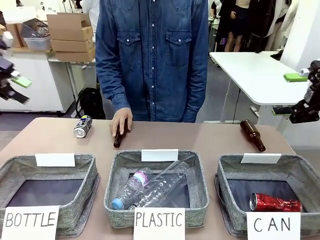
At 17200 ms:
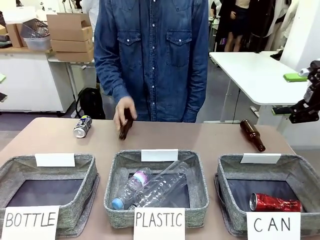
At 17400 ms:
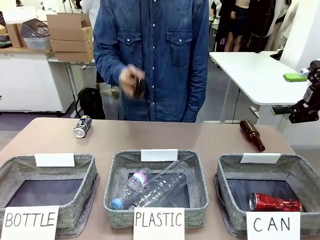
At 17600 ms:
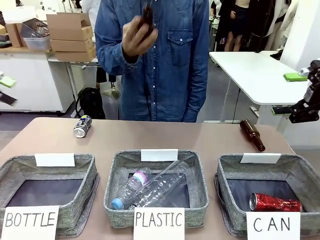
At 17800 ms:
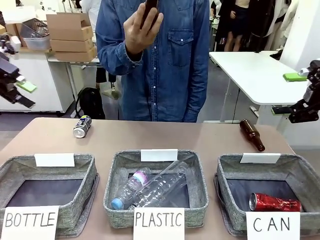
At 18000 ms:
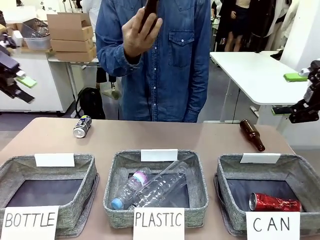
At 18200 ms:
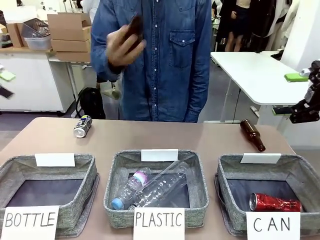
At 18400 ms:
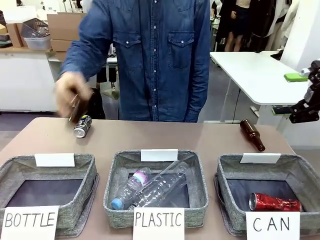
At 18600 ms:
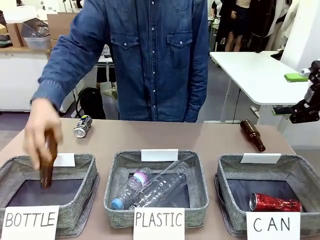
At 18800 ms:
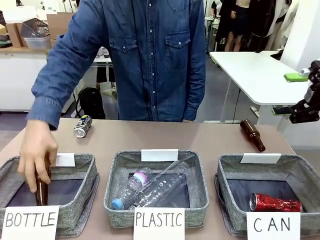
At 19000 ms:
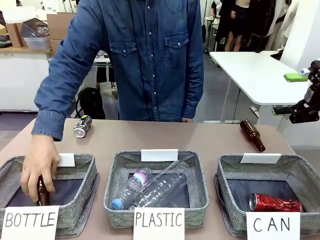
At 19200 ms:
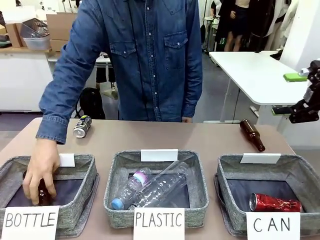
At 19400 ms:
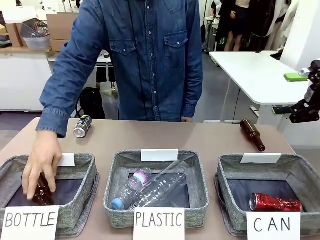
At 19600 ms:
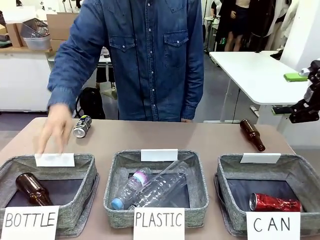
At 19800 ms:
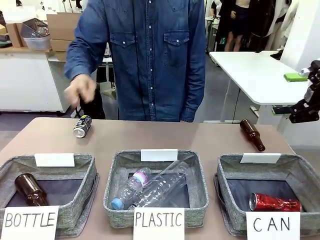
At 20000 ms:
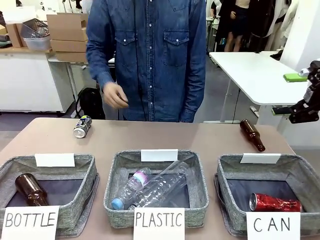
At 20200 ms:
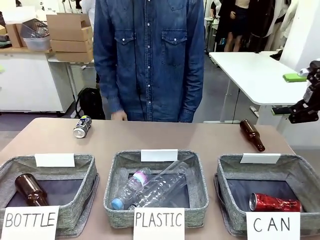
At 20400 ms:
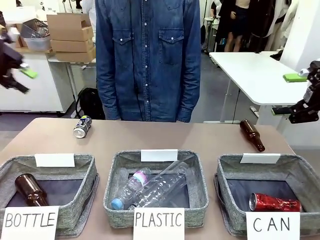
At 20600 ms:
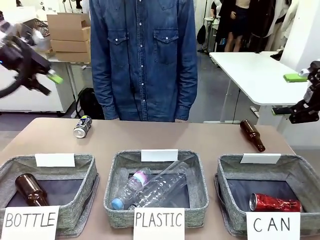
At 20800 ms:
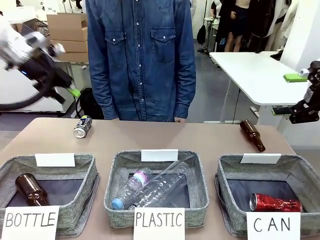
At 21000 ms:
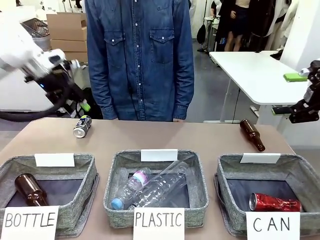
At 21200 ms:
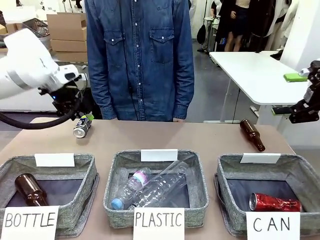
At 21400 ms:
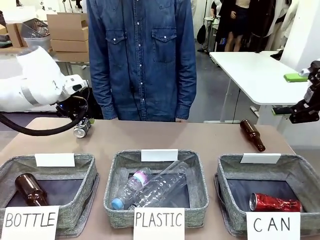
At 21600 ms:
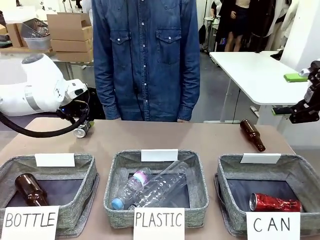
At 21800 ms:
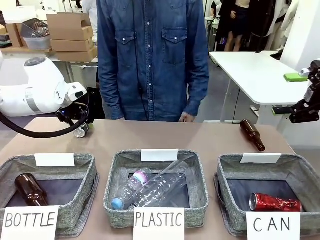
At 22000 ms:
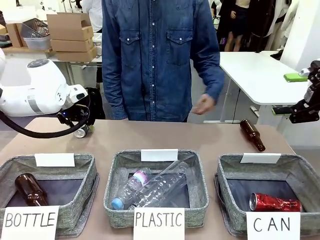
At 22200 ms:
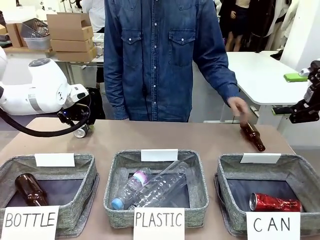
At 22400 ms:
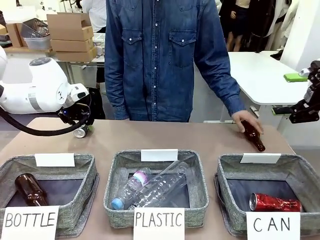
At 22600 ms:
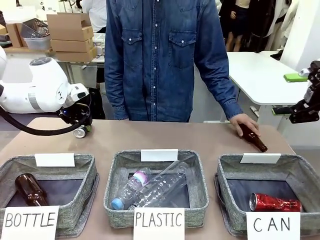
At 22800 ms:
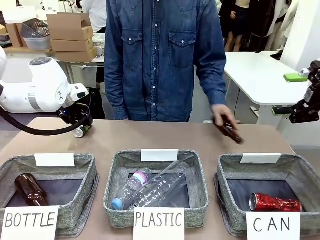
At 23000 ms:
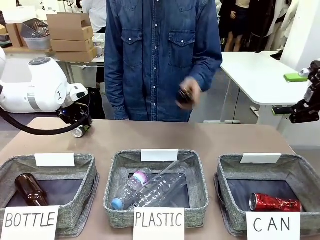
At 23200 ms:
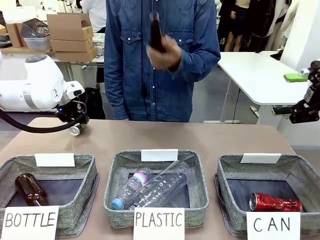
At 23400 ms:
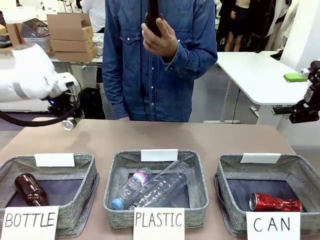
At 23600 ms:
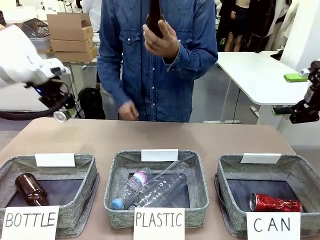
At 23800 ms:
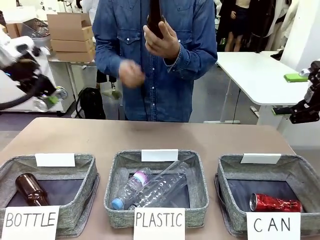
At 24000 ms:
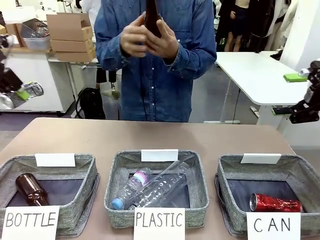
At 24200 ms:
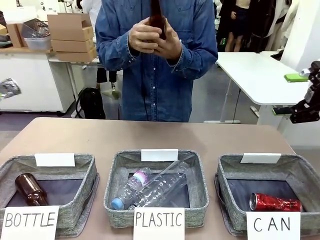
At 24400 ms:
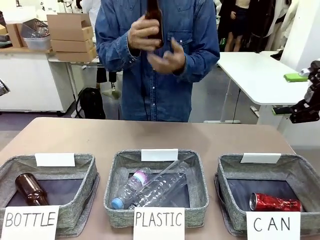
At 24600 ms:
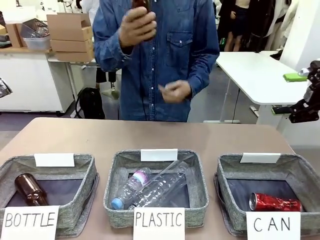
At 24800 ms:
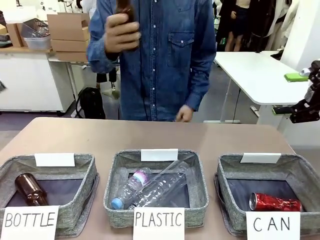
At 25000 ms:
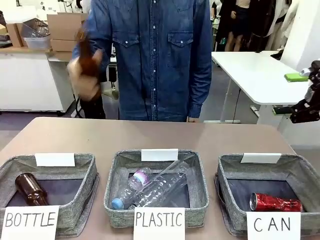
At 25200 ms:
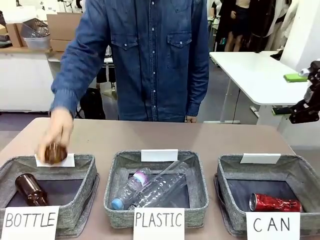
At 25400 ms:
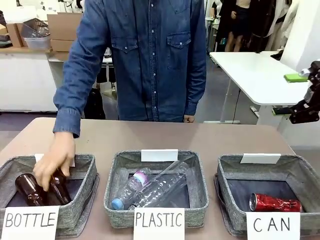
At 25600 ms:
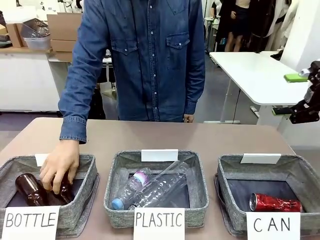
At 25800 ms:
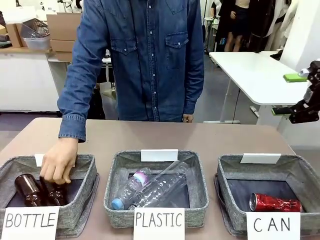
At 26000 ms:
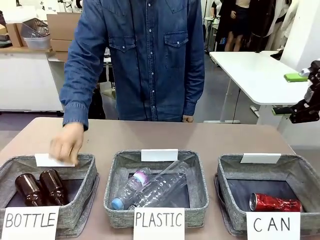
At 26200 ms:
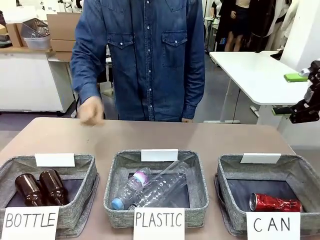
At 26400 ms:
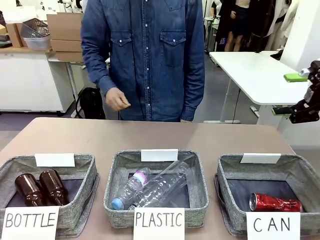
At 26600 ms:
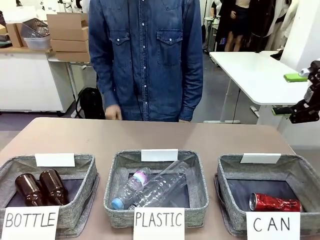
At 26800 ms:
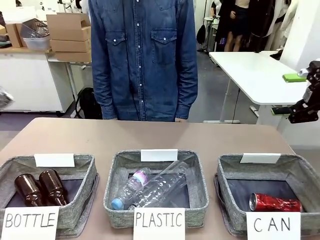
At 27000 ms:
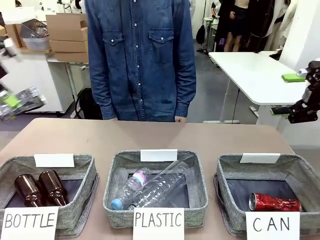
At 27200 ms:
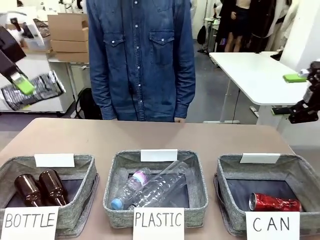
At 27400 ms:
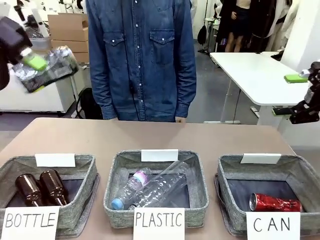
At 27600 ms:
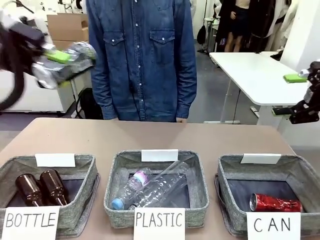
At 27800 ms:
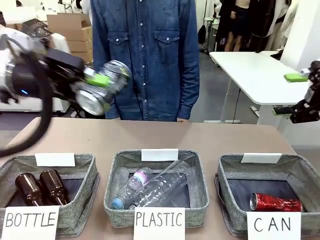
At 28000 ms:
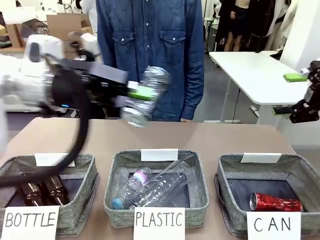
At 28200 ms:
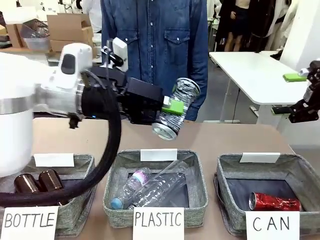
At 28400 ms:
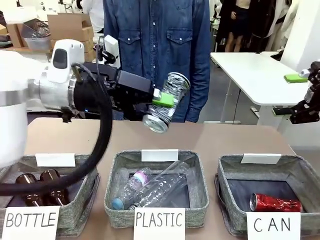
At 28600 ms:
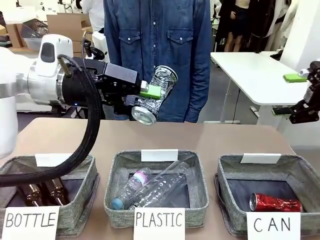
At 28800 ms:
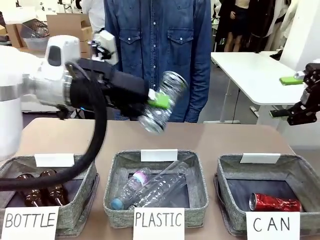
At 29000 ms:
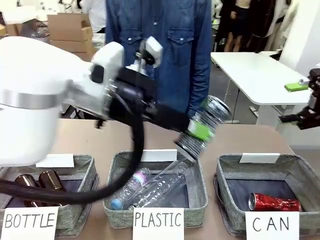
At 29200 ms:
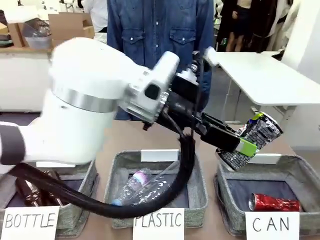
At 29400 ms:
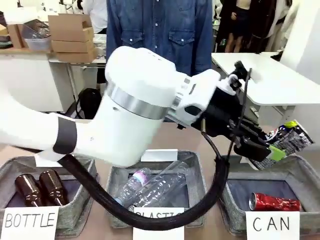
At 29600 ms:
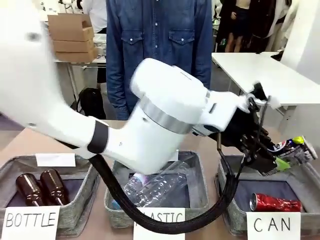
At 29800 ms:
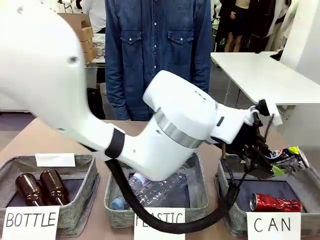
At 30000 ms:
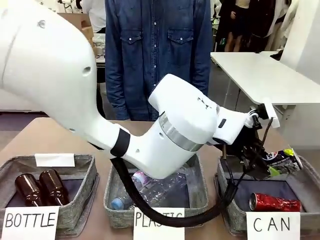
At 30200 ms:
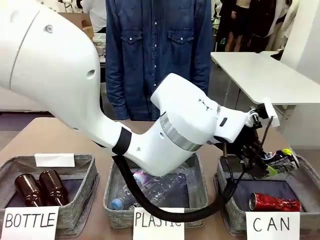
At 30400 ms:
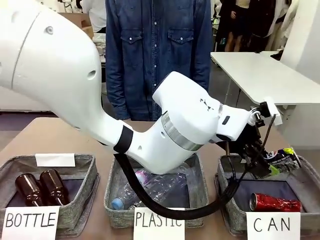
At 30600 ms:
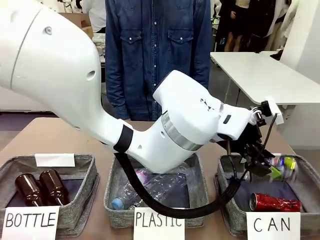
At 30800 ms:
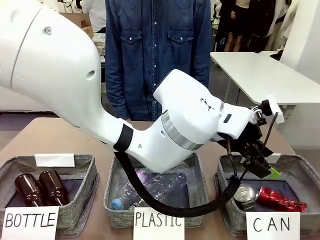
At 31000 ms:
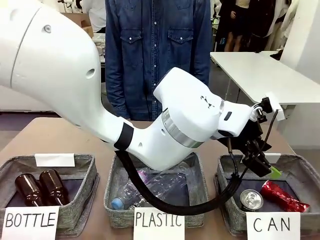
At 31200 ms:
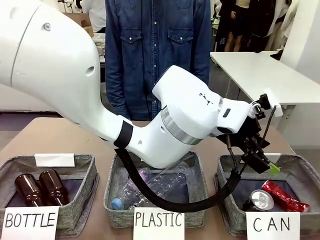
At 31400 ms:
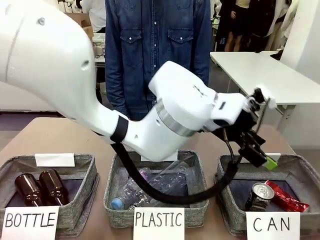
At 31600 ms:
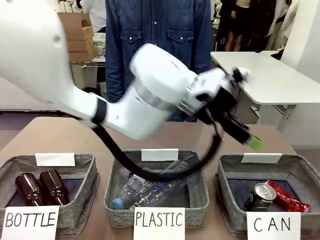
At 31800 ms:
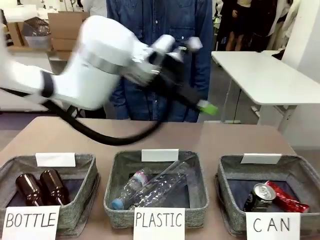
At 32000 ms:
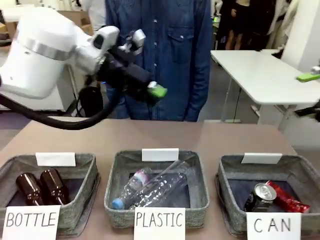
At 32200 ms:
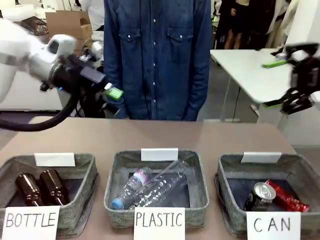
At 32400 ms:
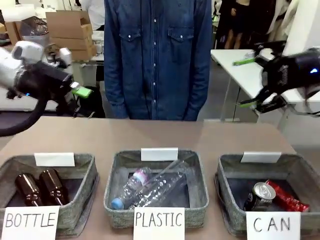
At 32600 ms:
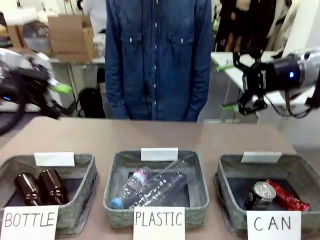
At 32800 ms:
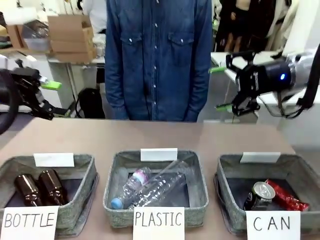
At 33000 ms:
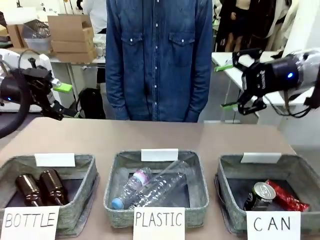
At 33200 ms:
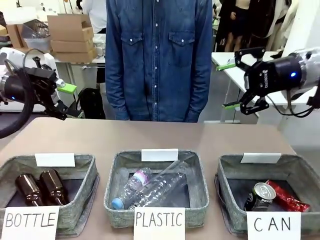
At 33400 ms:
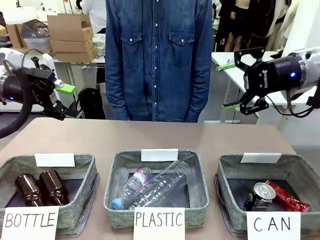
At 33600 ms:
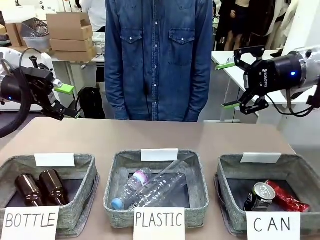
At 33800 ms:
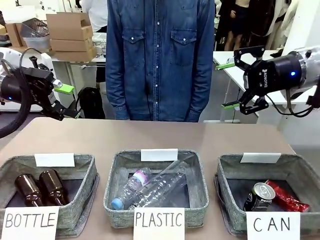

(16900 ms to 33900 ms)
Task: Sort the can waste into the basket.
Robot: Pick up the can waste from the table and place it in the right Fabric basket.
Person: The human picks up one piece of trash that is not a can and places the trash into the appropriate organizing basket.
